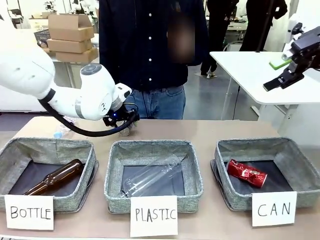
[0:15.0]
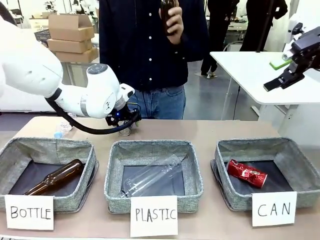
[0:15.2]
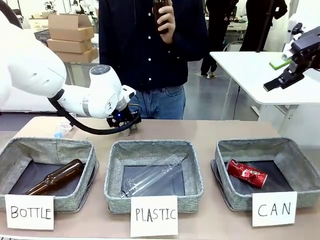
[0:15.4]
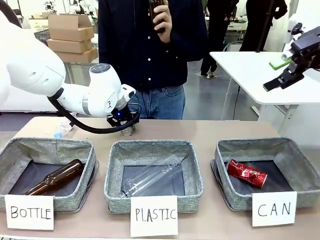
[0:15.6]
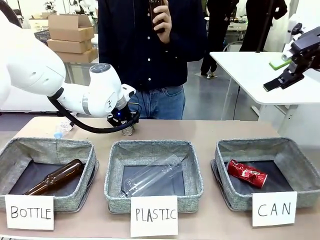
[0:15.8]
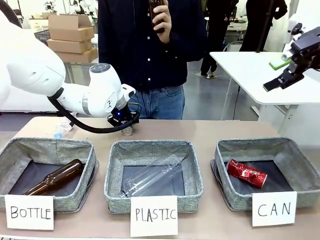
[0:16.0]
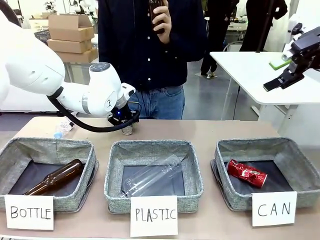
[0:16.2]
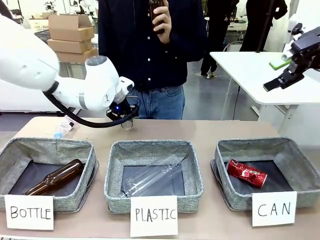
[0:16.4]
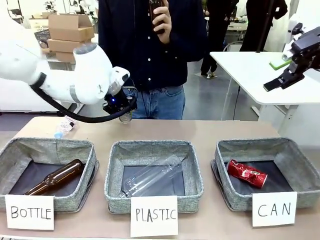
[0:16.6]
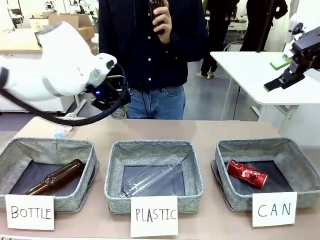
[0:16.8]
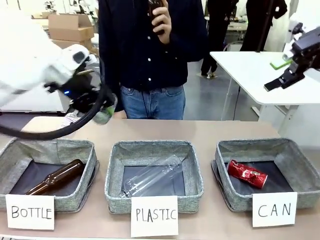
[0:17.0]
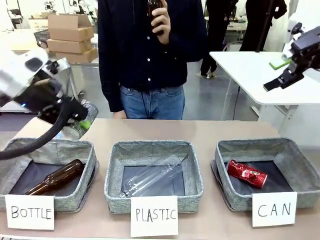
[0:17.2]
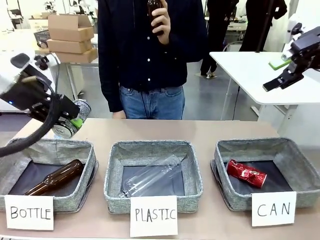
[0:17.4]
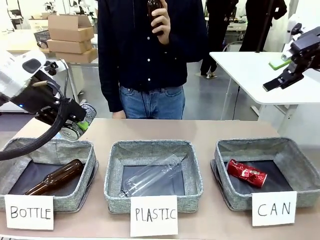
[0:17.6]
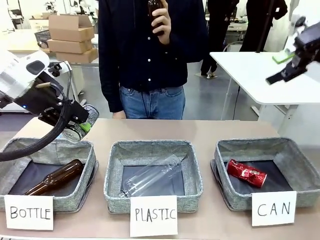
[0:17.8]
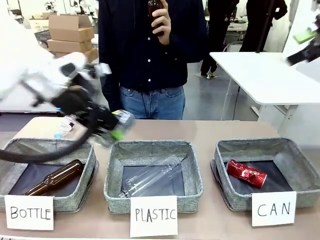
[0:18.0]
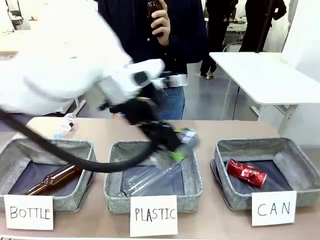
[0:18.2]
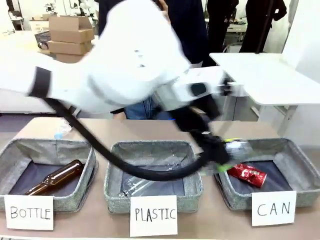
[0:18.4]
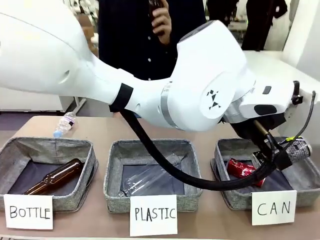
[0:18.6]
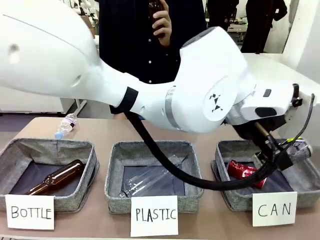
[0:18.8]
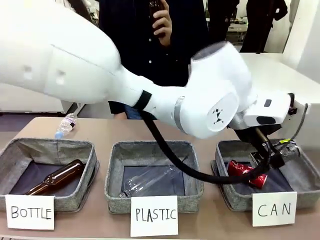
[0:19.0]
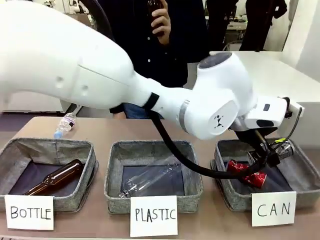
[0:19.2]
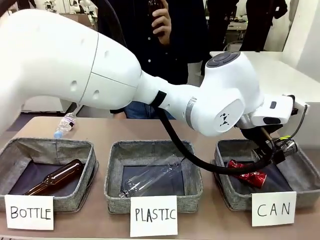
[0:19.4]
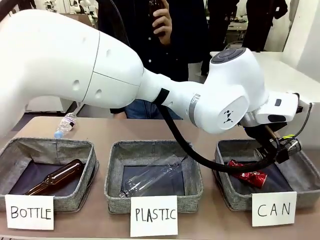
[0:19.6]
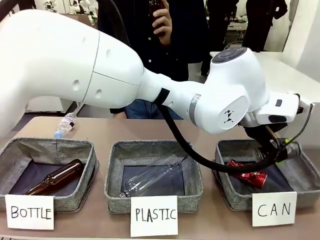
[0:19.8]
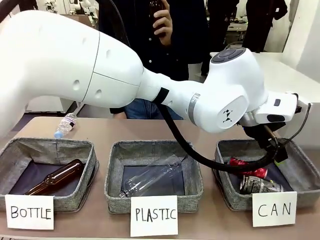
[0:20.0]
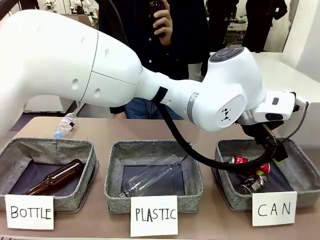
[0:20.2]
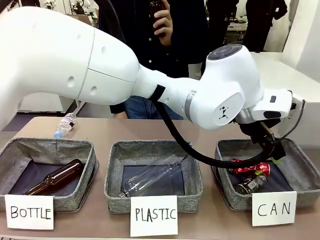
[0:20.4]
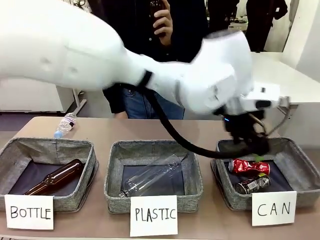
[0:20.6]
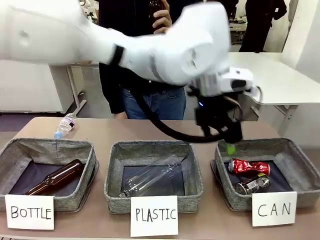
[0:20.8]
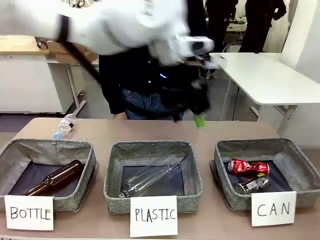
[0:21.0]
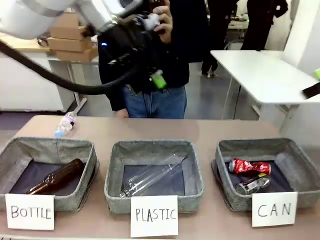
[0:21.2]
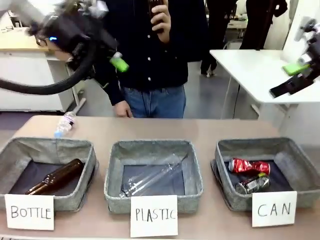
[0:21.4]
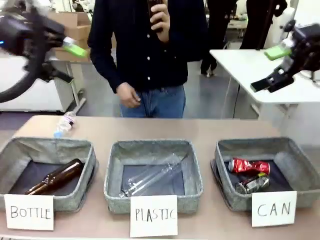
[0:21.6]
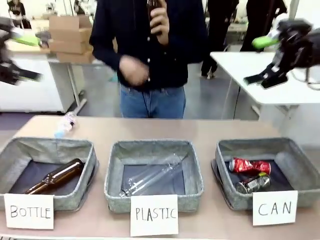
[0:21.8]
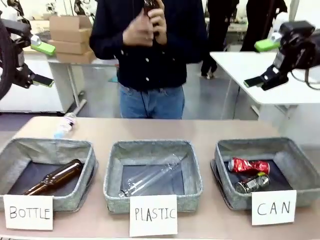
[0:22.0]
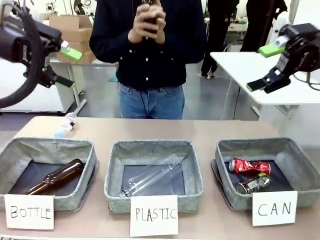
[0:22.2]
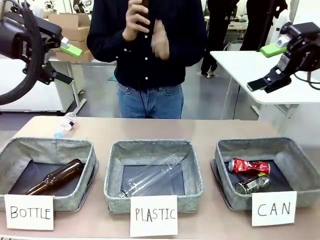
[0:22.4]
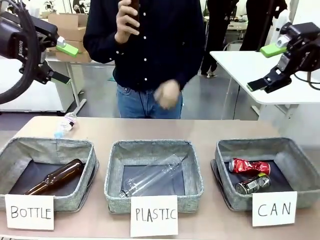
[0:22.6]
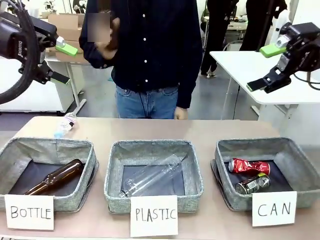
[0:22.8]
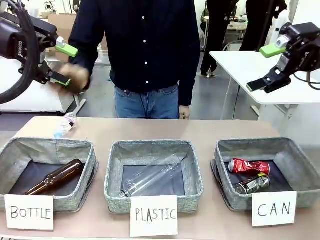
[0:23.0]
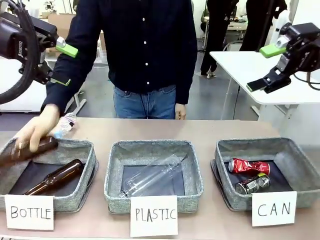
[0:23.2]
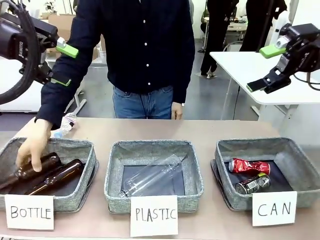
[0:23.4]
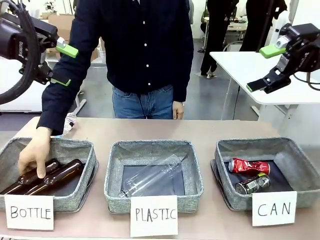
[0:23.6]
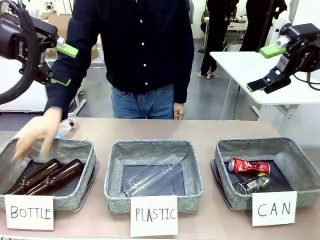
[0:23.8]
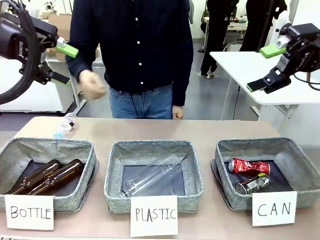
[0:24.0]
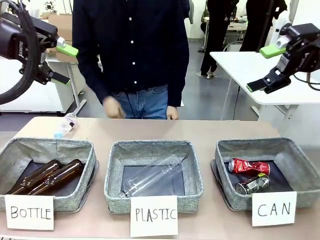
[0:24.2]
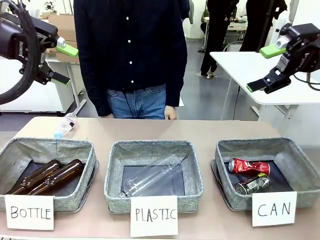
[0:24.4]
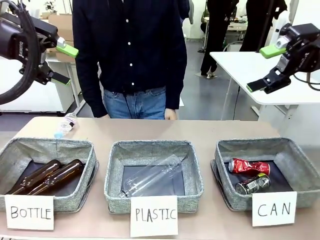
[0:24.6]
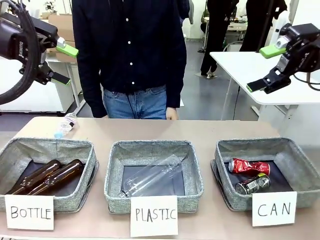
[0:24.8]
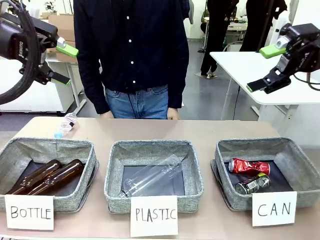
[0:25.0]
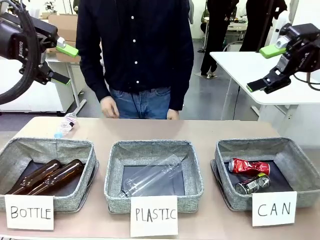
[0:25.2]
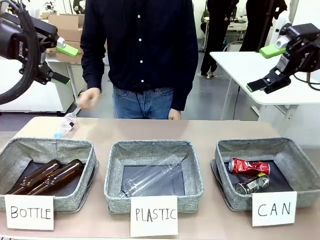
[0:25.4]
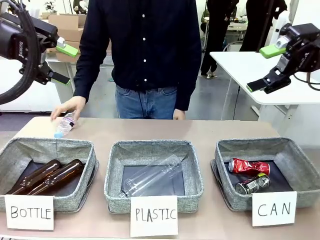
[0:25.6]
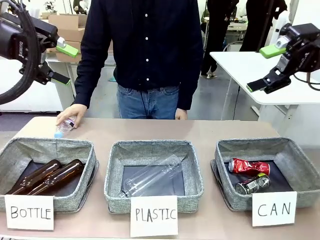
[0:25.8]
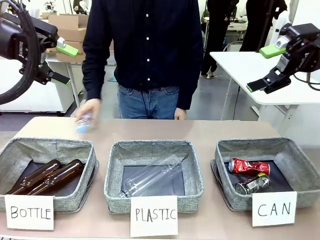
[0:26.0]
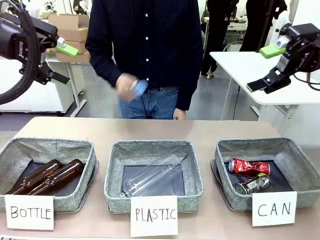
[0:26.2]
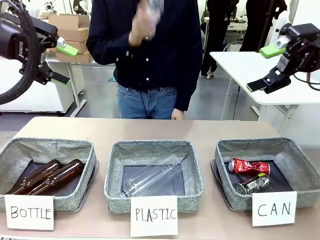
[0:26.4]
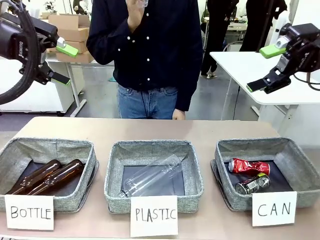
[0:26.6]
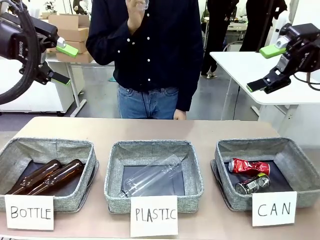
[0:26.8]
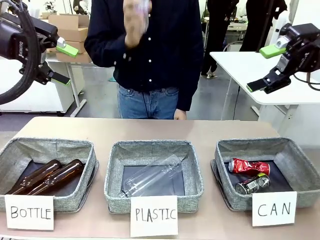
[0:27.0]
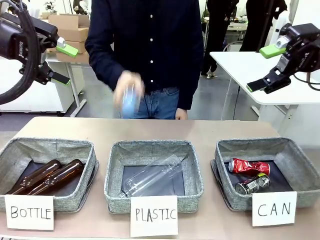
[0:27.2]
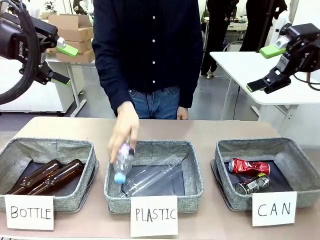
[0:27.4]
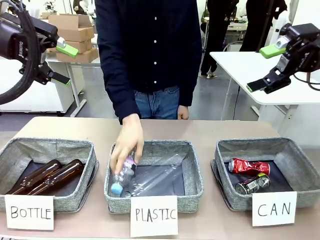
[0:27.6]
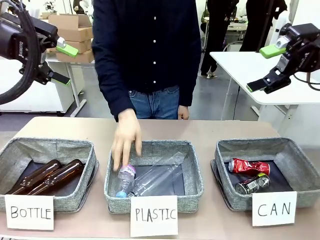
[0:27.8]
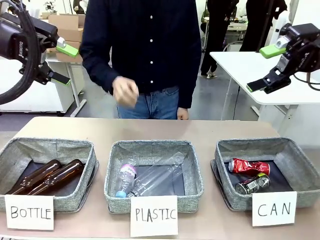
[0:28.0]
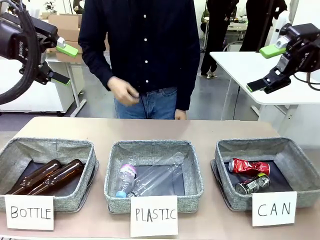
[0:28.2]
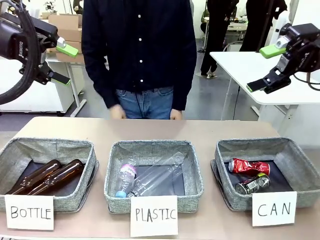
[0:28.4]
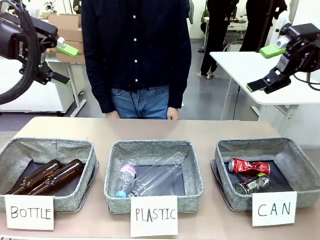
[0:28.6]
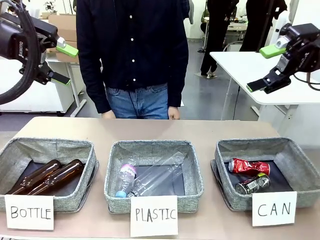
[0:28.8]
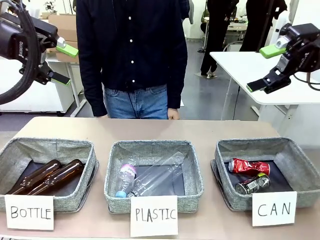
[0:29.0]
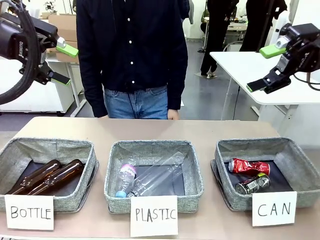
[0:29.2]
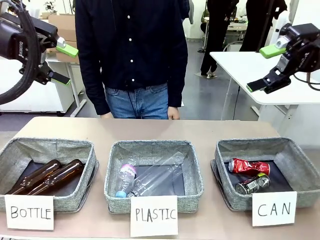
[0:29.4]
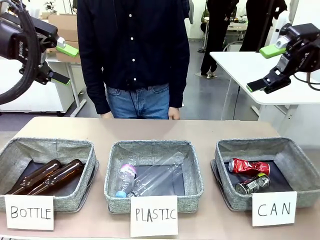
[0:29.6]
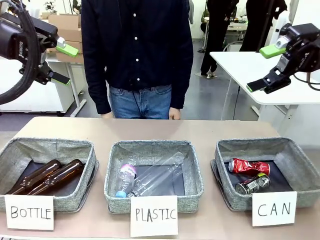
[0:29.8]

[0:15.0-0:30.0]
Task: Sort the can waste into the basket.
Robot: Pick up the can waste from the table and place it in the right Fabric basket.

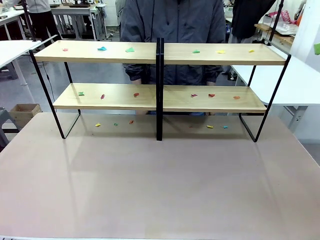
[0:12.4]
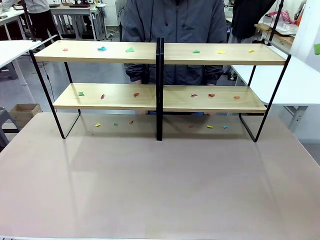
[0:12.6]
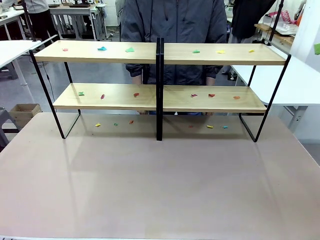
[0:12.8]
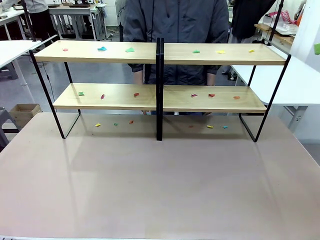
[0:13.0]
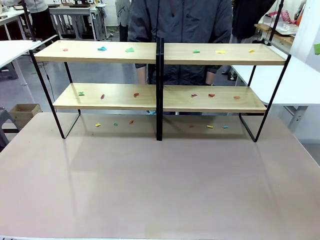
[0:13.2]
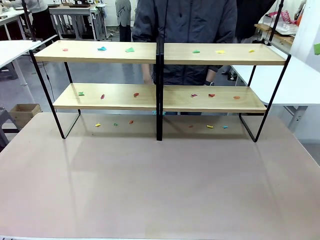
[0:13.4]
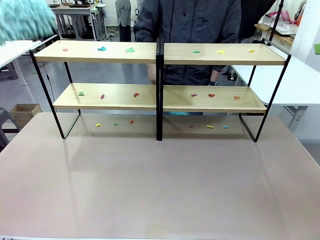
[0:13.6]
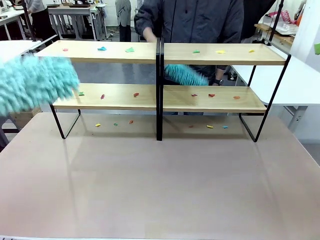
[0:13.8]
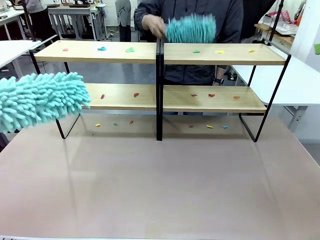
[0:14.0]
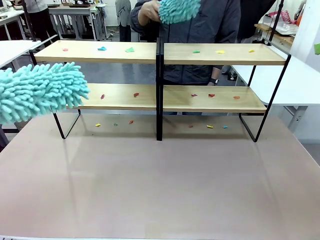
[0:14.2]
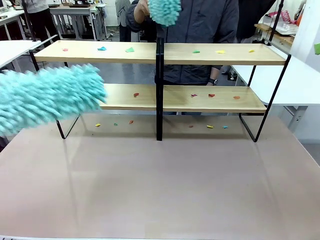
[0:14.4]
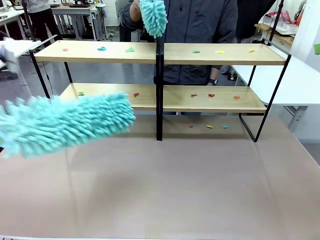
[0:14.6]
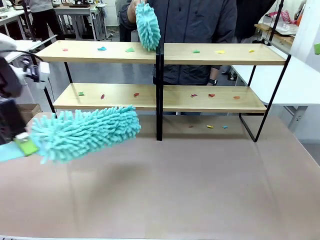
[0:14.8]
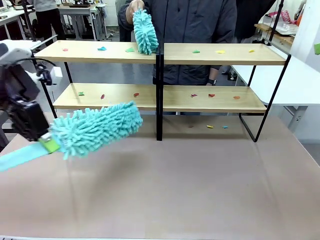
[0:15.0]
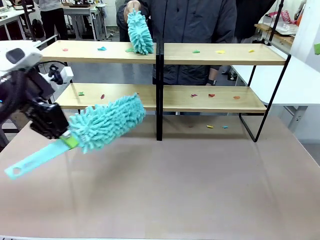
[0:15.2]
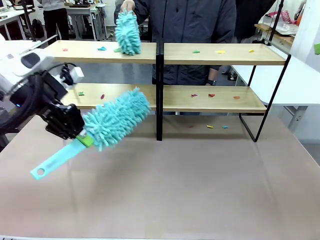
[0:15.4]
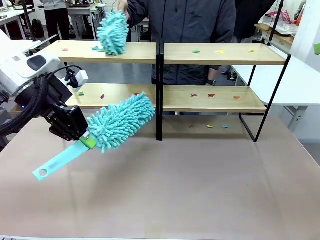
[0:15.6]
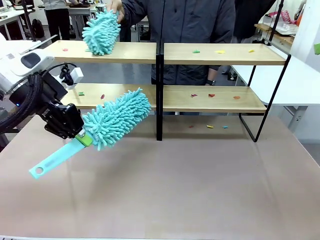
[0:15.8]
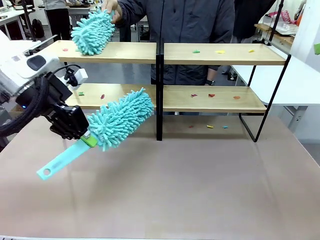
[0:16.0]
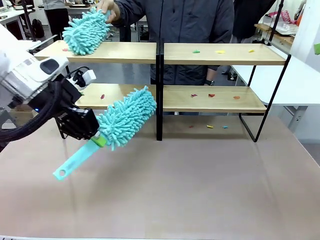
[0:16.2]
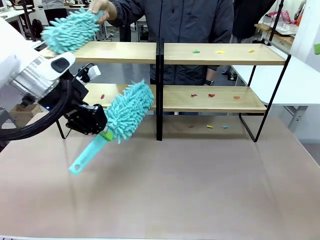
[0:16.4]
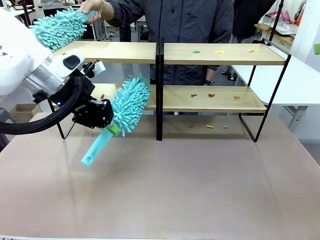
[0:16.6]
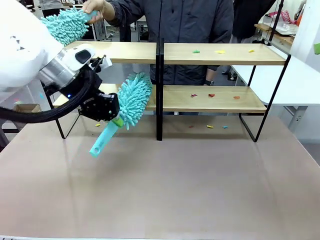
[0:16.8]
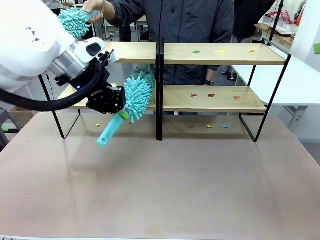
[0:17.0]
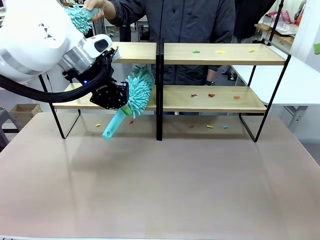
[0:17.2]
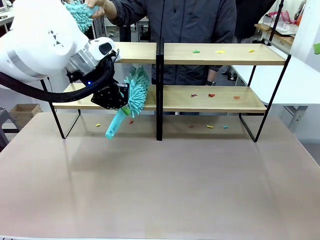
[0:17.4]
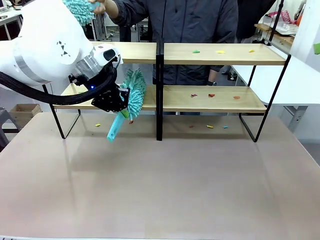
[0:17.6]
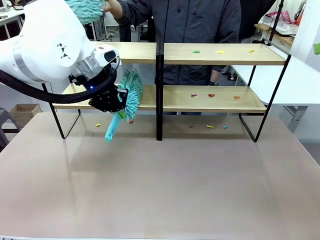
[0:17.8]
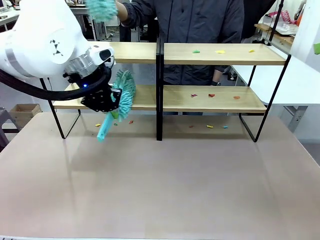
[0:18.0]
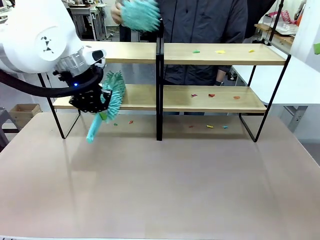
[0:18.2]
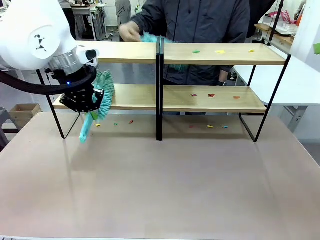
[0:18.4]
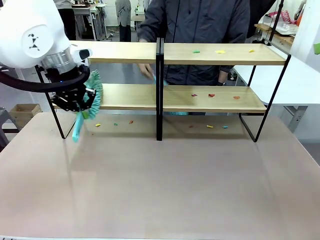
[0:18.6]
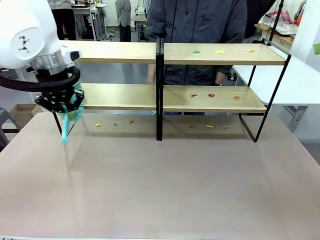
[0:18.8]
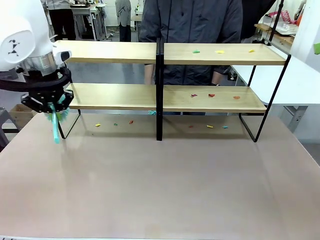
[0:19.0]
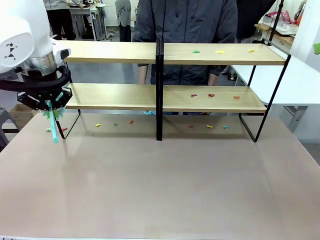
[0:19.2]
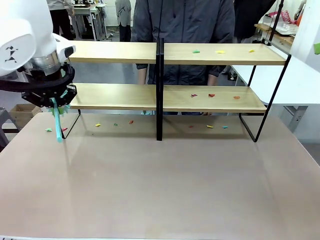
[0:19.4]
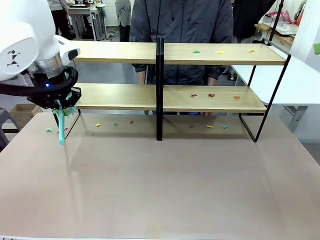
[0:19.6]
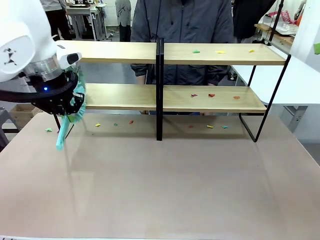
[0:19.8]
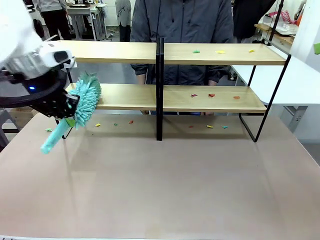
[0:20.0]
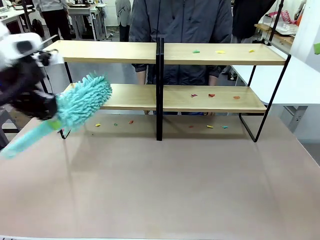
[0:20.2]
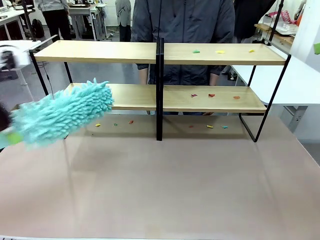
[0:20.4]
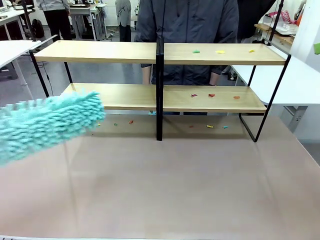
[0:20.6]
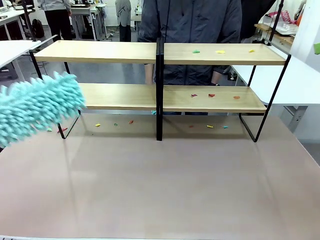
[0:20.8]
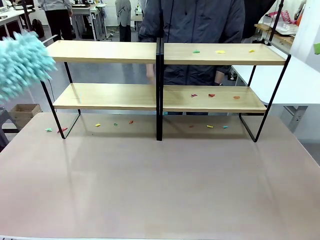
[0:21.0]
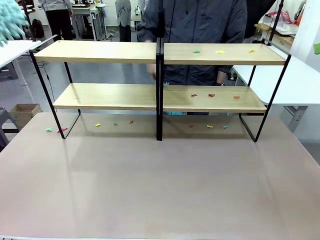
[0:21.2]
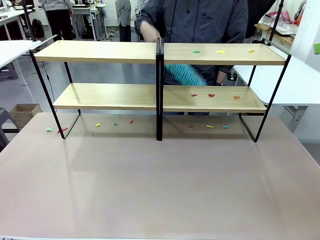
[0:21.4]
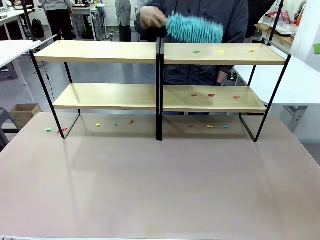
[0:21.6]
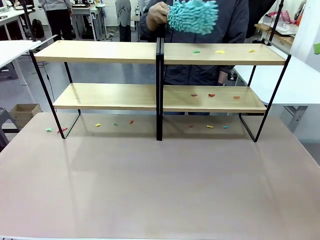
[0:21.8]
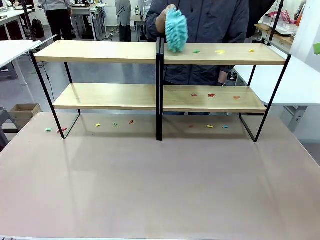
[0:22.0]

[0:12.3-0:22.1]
Task: Clean the shelves.
Robot: Clean a randomly selected level of the Shelf with the Duster.
